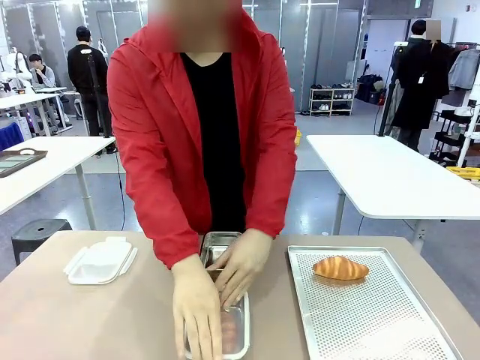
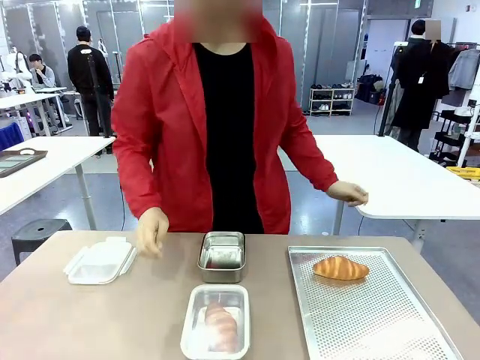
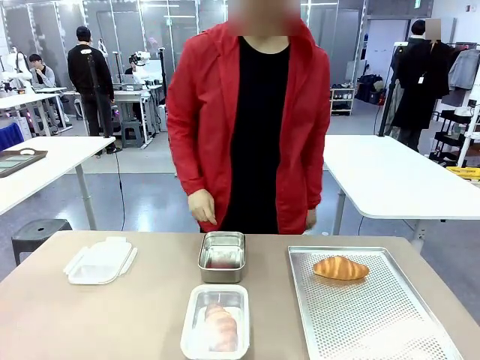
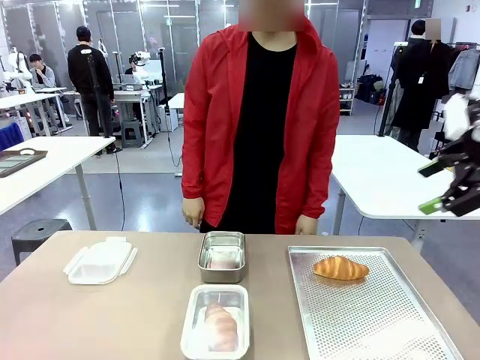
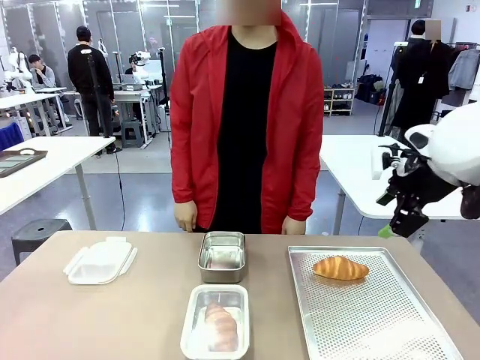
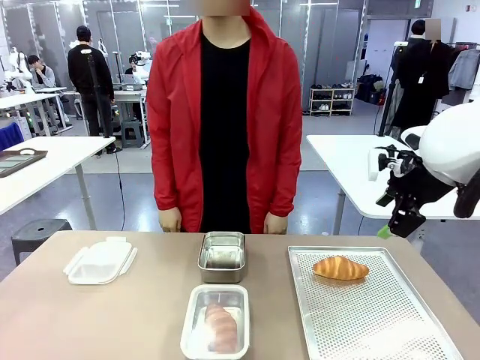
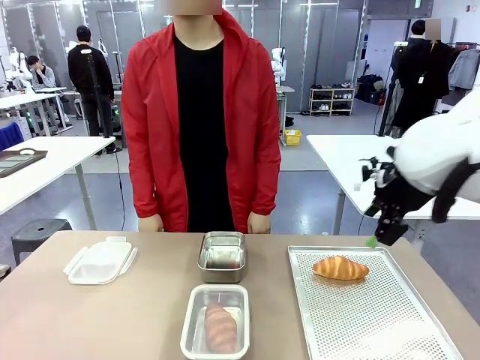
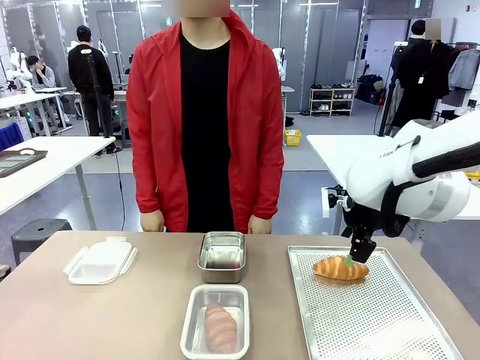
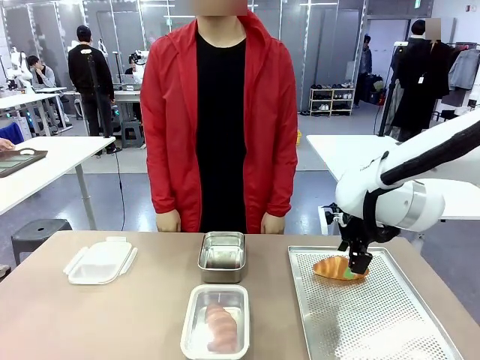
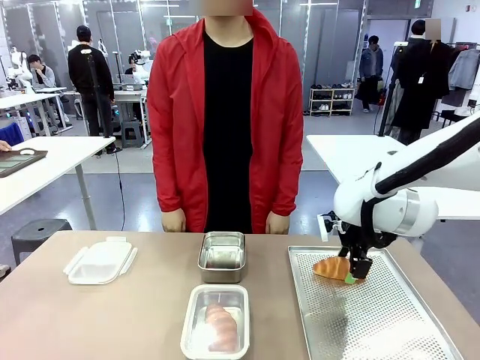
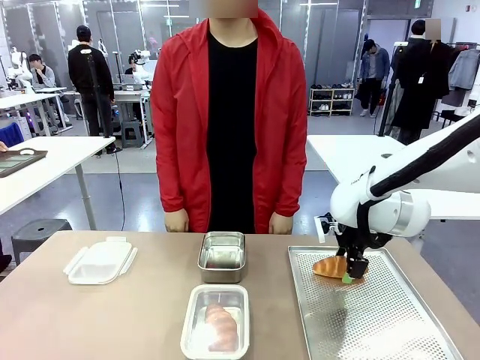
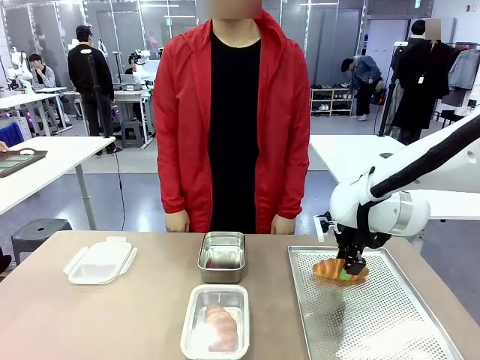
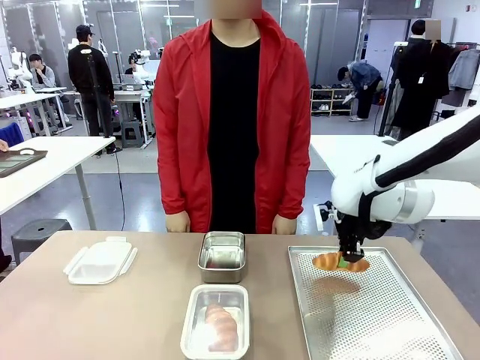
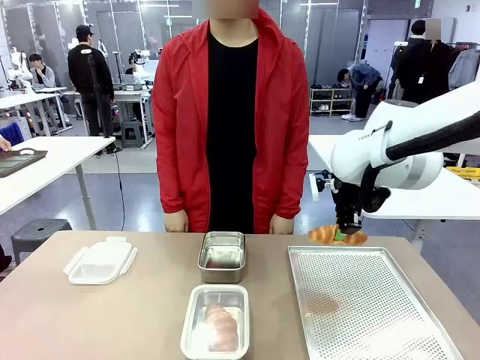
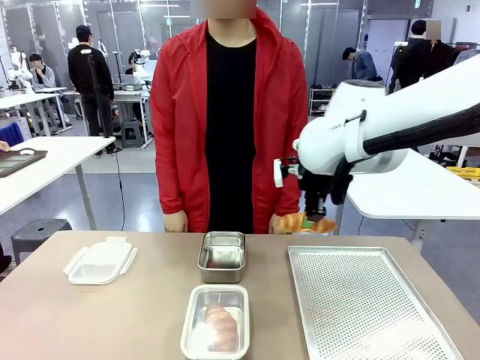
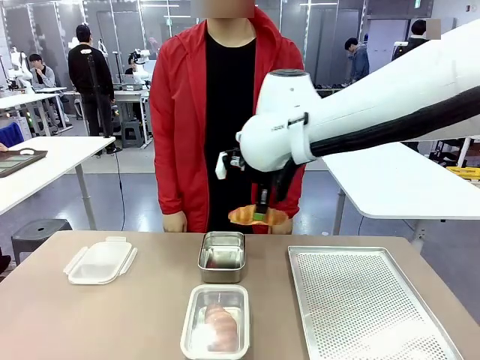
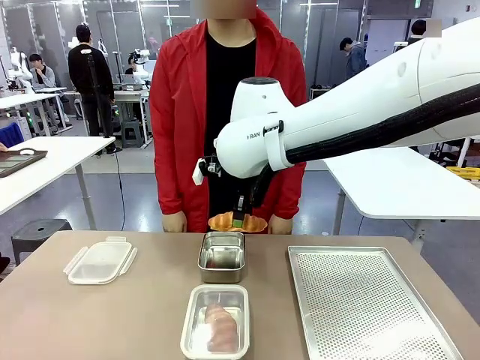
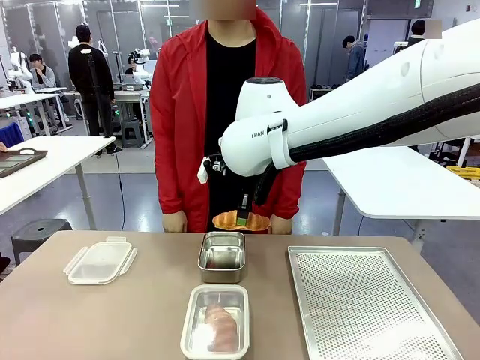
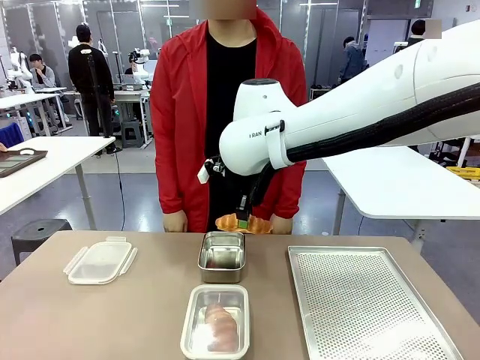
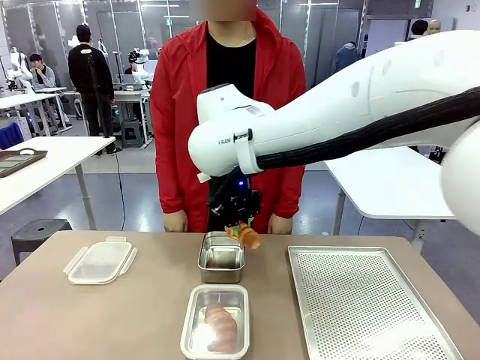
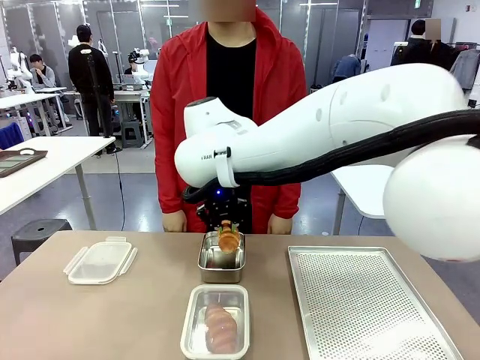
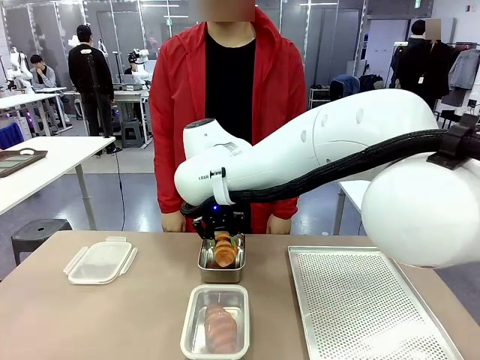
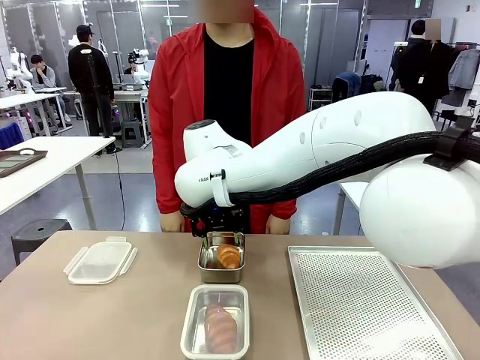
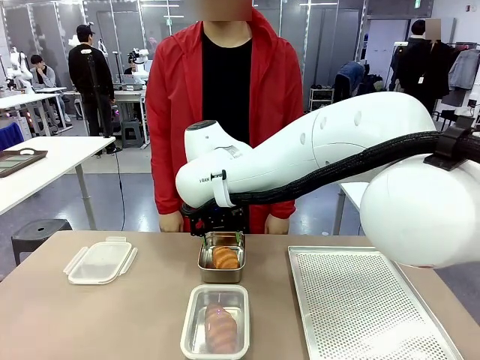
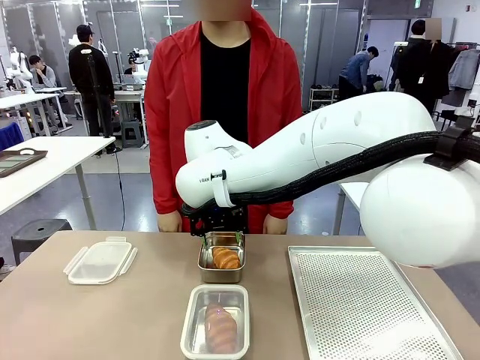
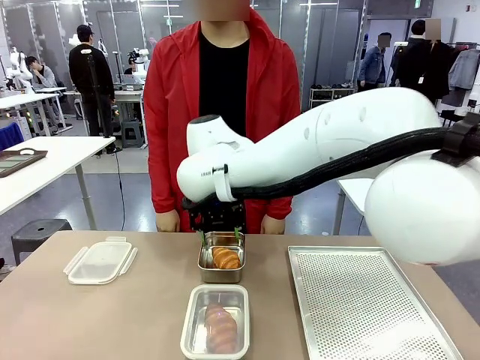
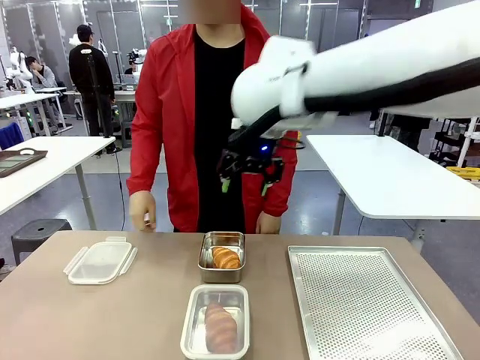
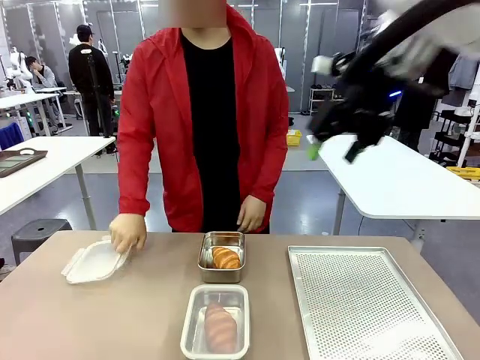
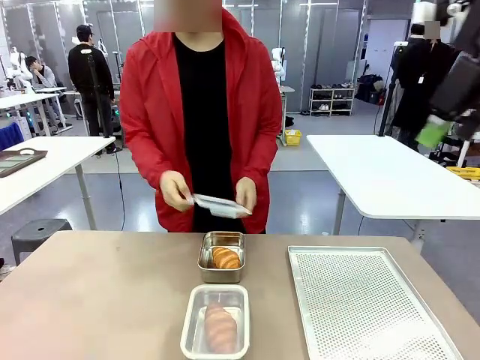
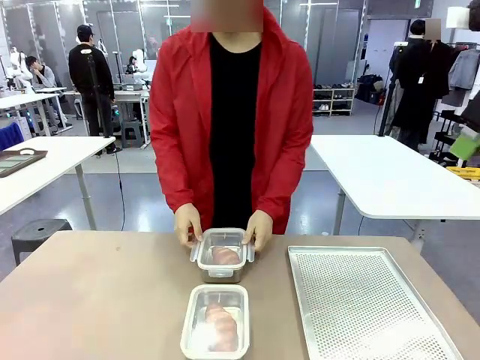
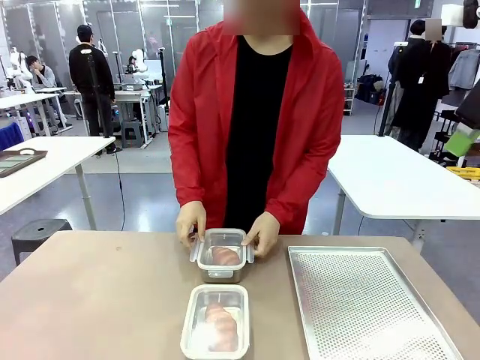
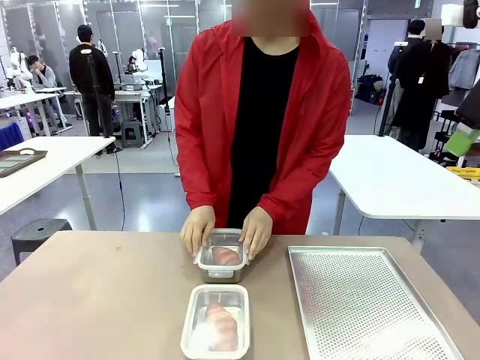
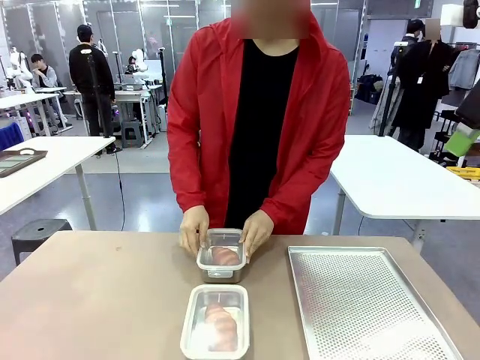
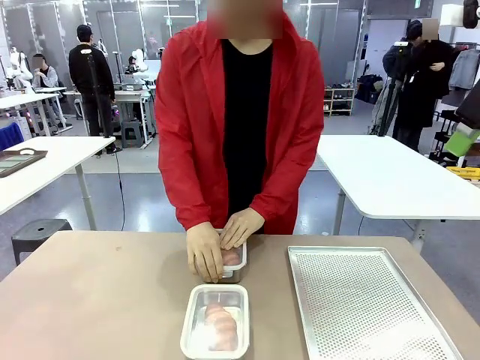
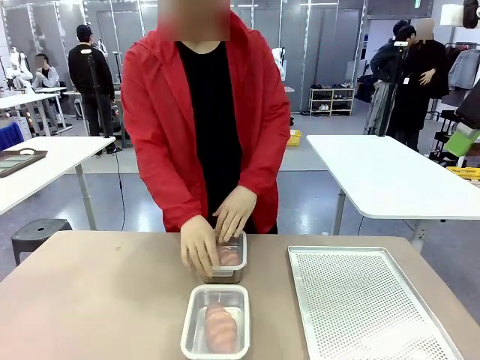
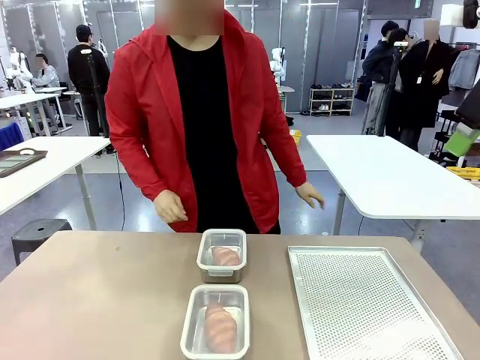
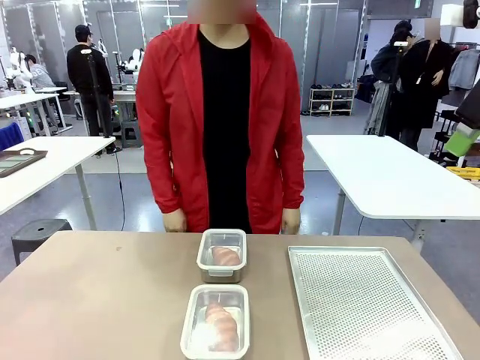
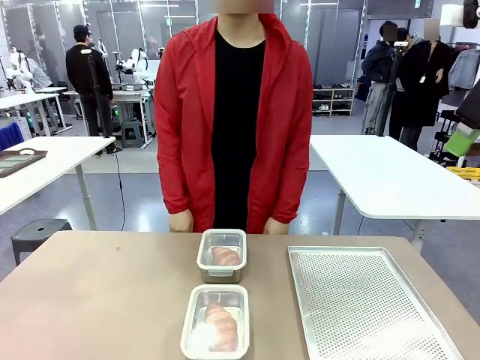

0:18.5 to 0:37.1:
Task: Place the bread into the airtight container.
Robot: Pick up a Butter Roll and place it into an empty Airtight Container.
Person: Once a Butter Roll is inside an Airtight Container , close the lid of that Airtight Container.

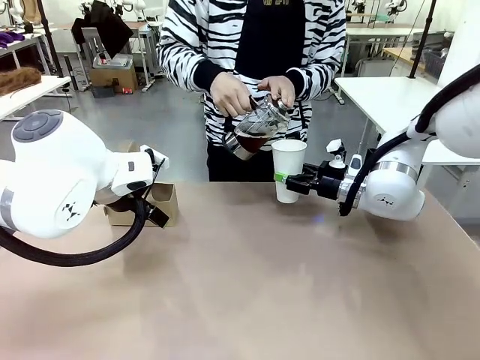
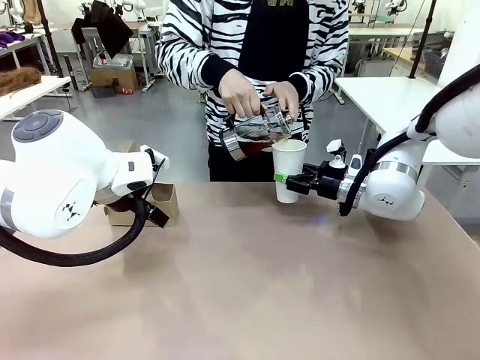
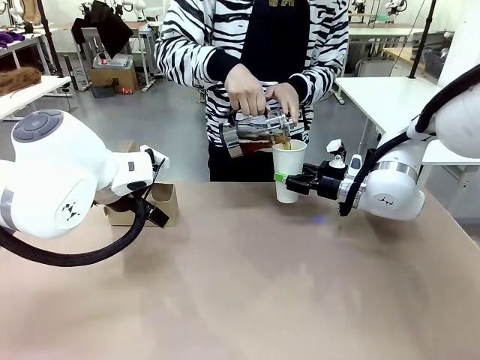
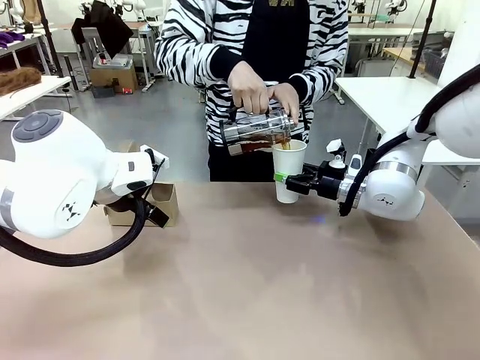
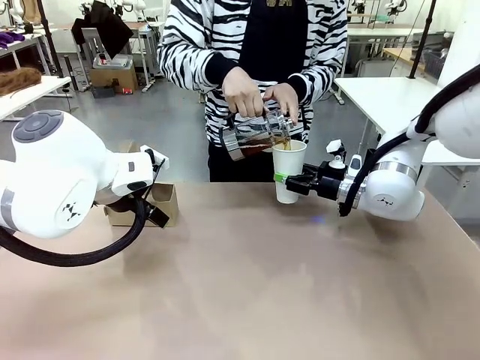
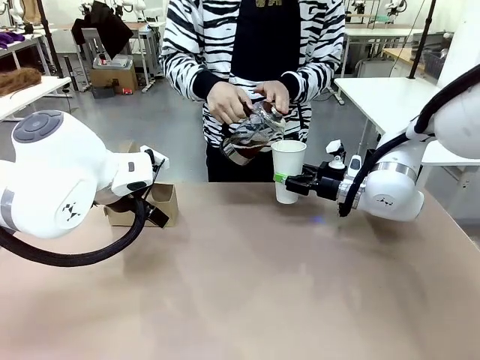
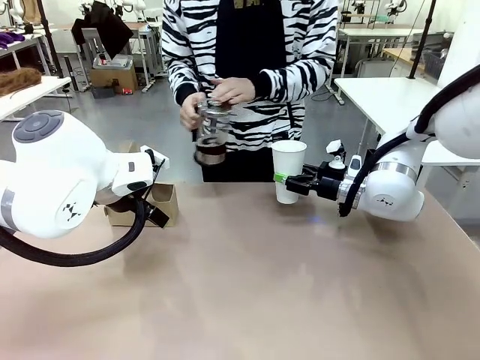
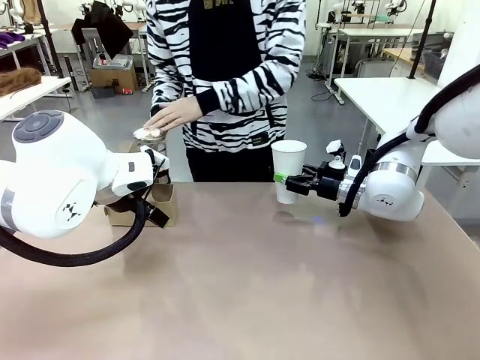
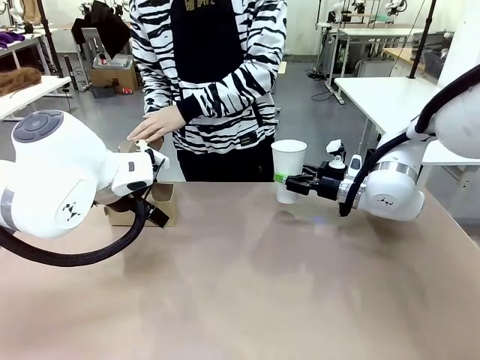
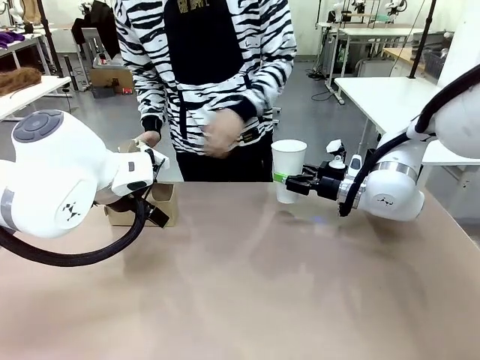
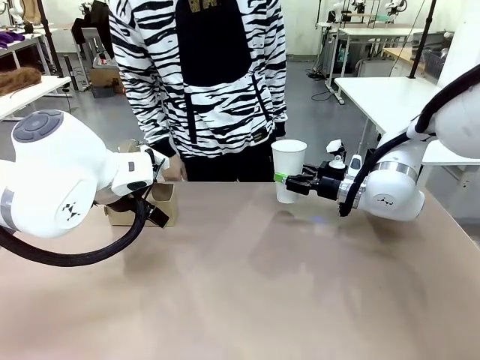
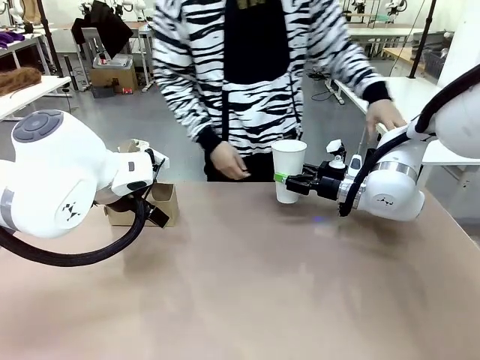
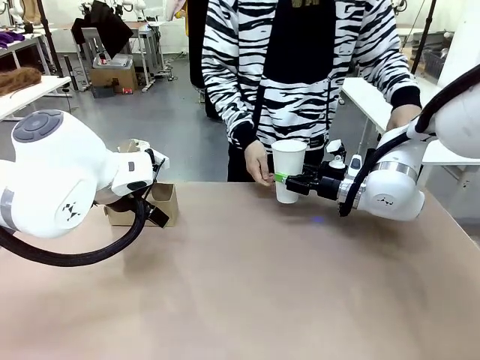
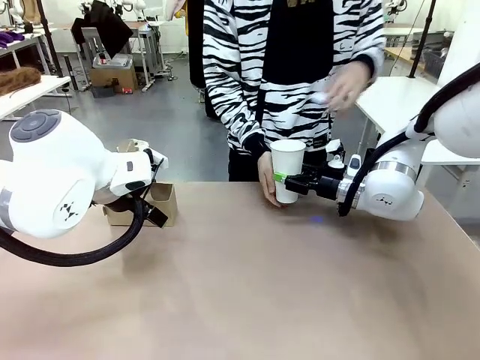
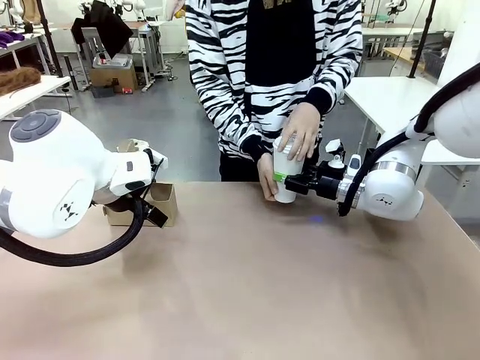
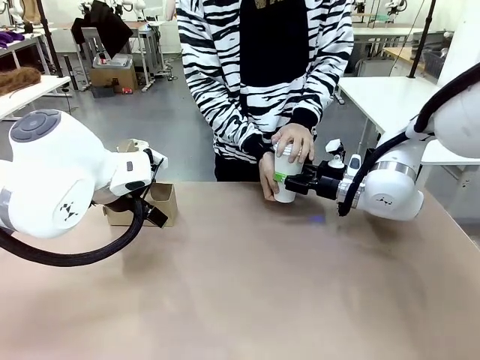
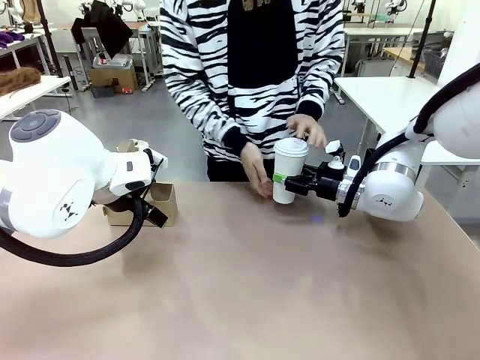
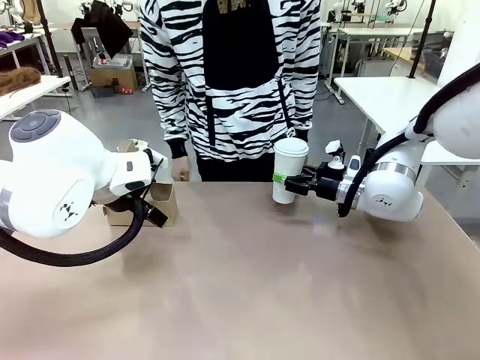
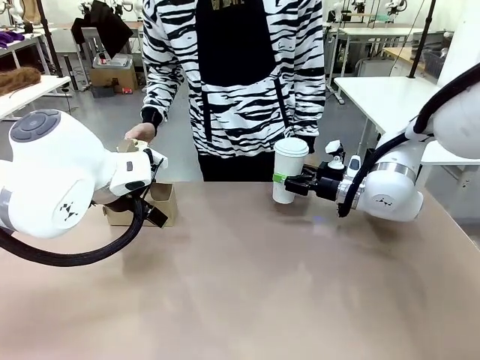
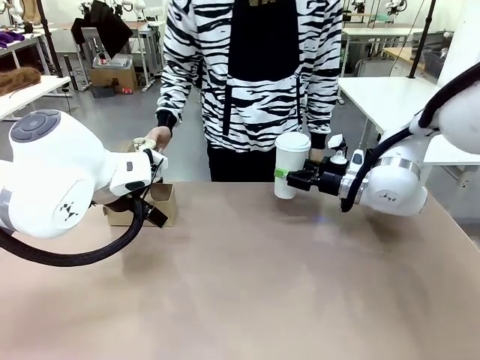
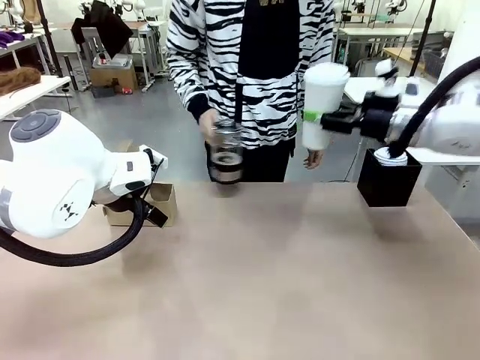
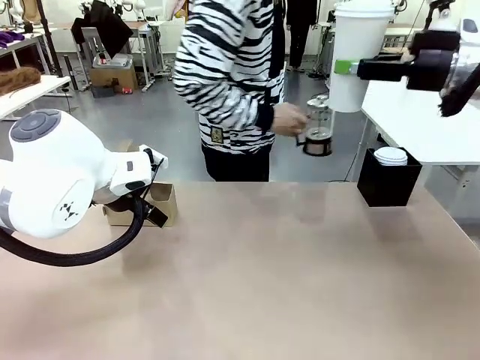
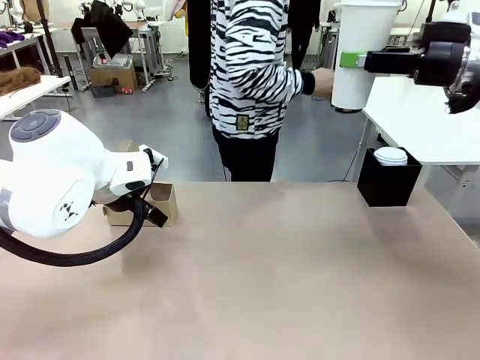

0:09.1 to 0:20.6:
Task: Pour a drink into a cup and package it in a carrier.
Robot: When a person places the Paper Cup Lid on the 600 ml Paper Cup , lift the 600 ml Paper Cup.
Person: Pour the drink from the Filter Brewing into the 600 ml Paper Cup. Place a Paper Cup Lid on the 600 ml Paper Cup.
